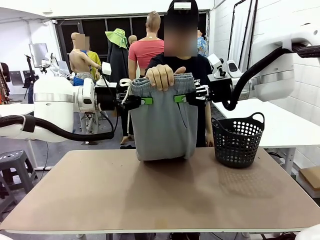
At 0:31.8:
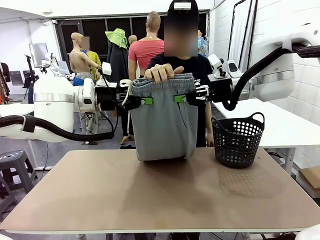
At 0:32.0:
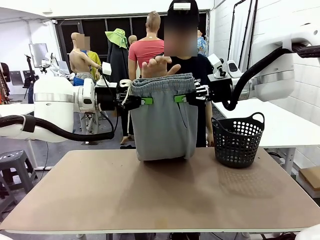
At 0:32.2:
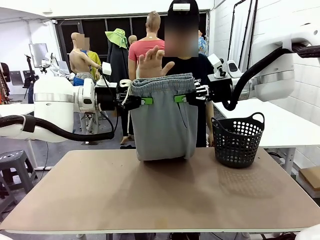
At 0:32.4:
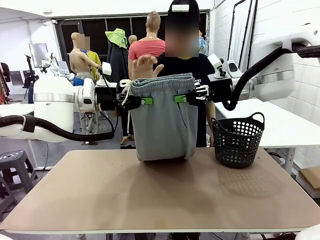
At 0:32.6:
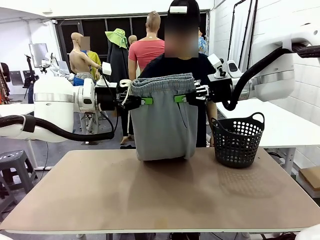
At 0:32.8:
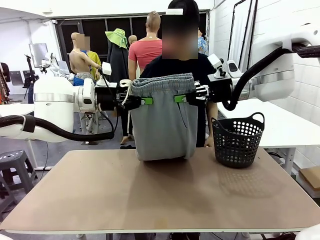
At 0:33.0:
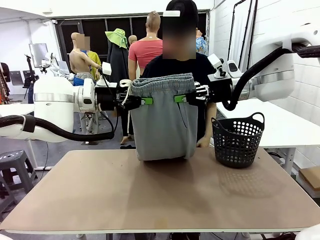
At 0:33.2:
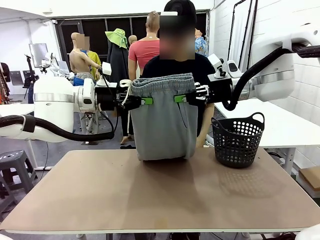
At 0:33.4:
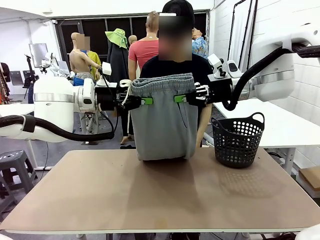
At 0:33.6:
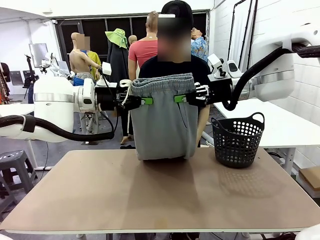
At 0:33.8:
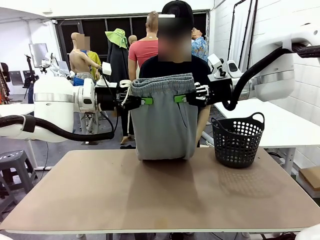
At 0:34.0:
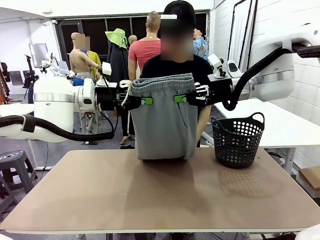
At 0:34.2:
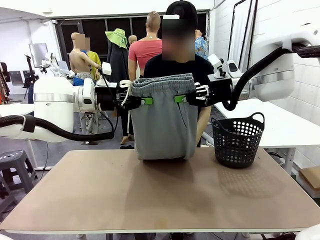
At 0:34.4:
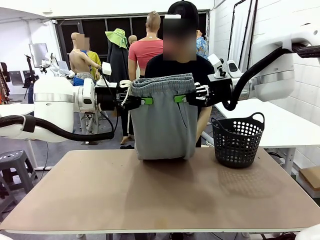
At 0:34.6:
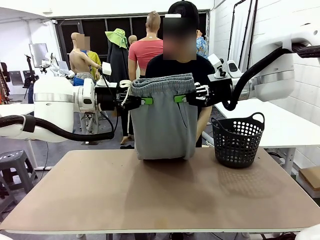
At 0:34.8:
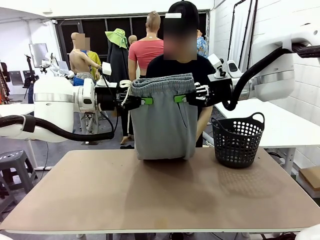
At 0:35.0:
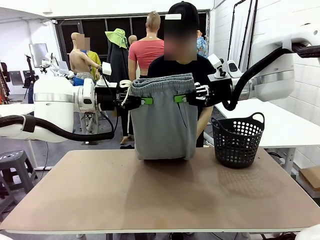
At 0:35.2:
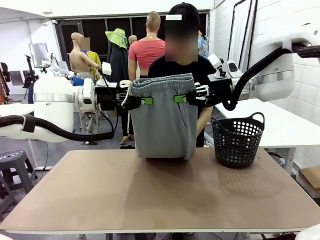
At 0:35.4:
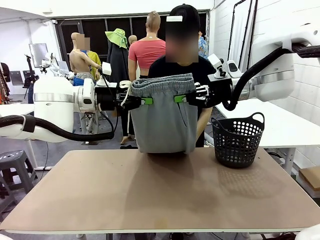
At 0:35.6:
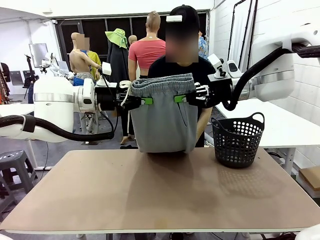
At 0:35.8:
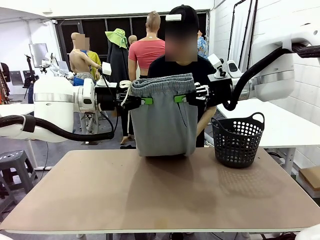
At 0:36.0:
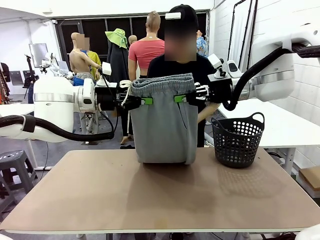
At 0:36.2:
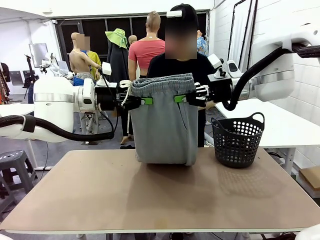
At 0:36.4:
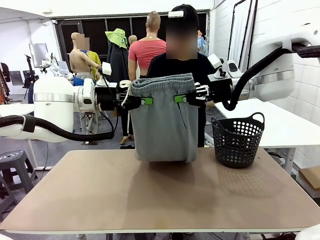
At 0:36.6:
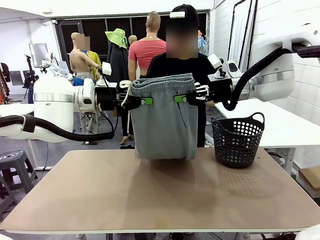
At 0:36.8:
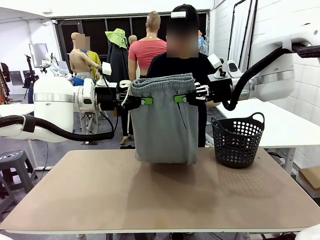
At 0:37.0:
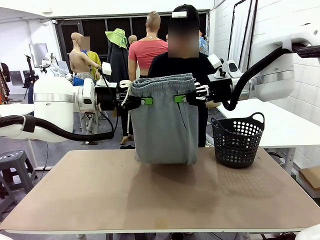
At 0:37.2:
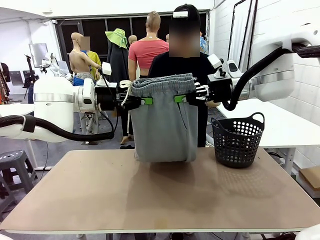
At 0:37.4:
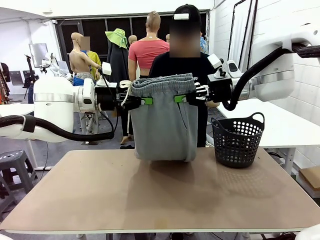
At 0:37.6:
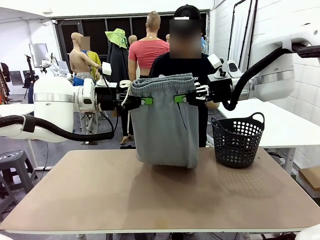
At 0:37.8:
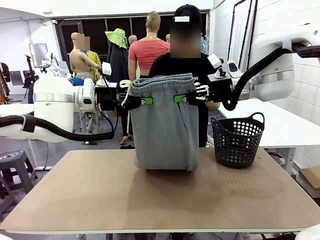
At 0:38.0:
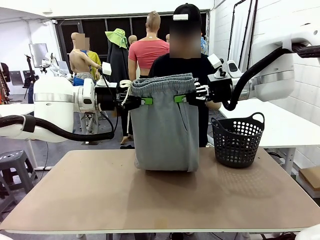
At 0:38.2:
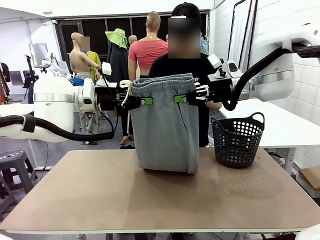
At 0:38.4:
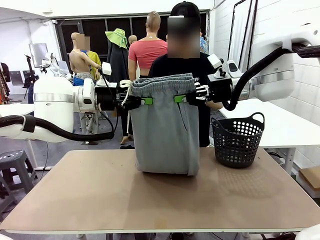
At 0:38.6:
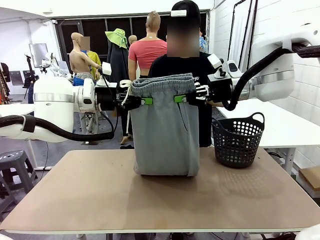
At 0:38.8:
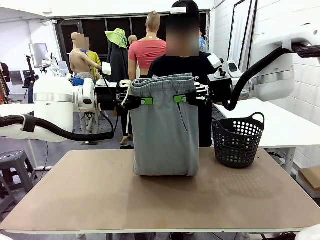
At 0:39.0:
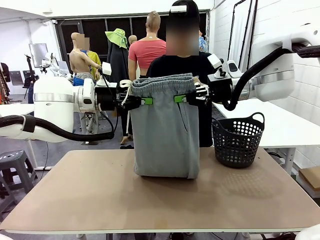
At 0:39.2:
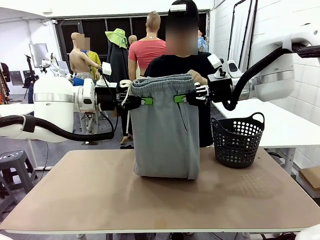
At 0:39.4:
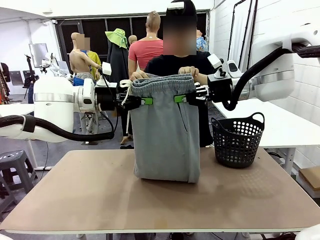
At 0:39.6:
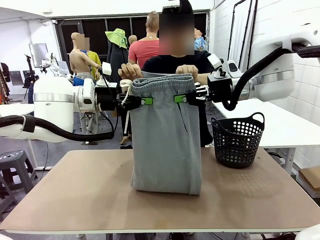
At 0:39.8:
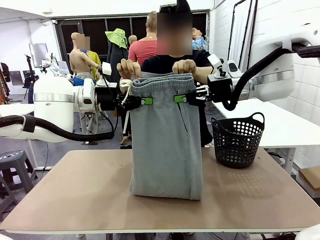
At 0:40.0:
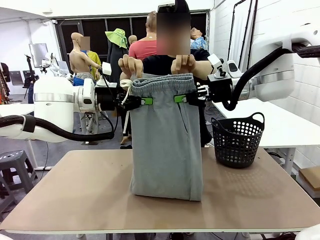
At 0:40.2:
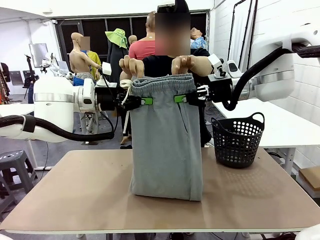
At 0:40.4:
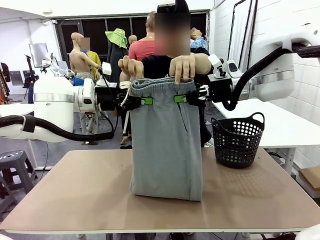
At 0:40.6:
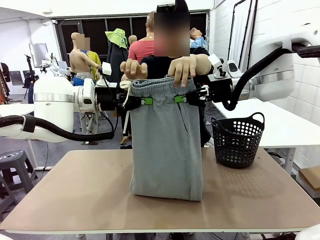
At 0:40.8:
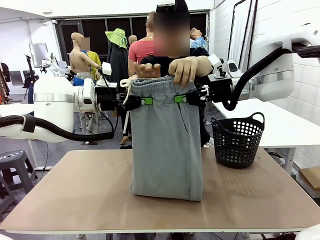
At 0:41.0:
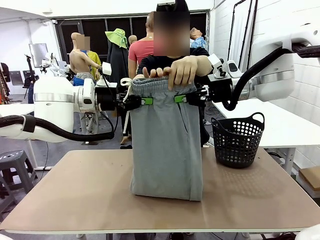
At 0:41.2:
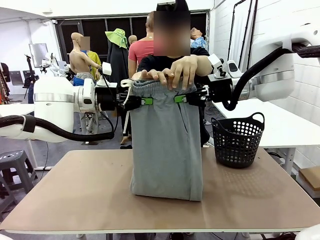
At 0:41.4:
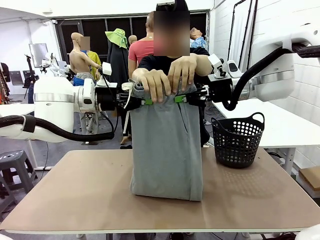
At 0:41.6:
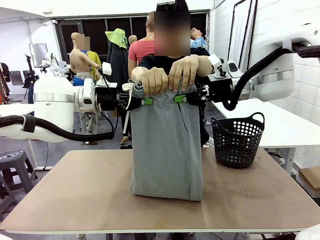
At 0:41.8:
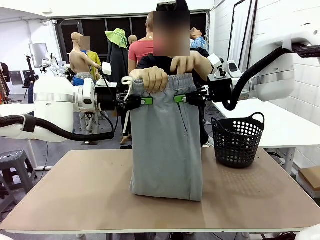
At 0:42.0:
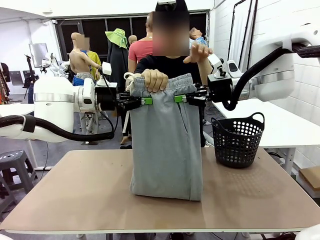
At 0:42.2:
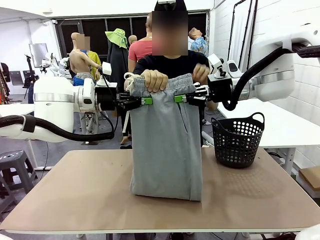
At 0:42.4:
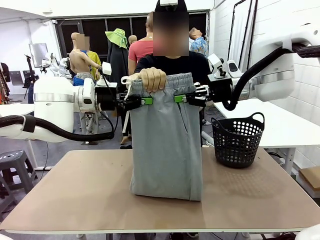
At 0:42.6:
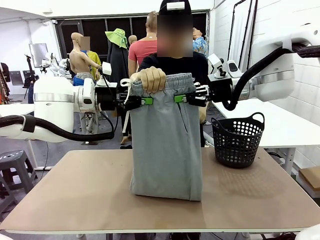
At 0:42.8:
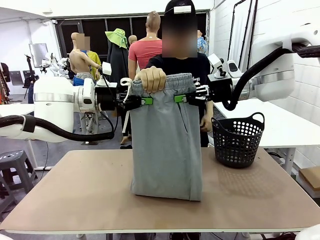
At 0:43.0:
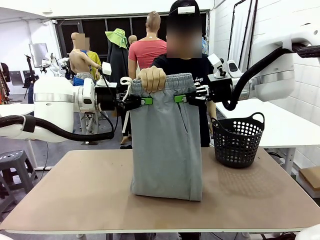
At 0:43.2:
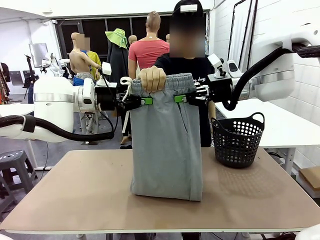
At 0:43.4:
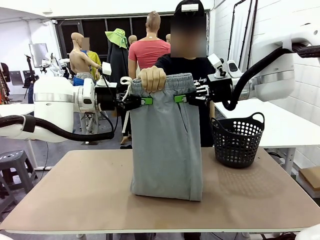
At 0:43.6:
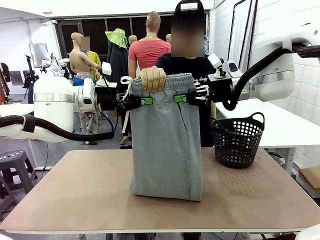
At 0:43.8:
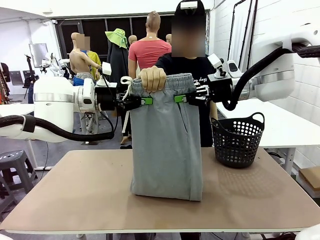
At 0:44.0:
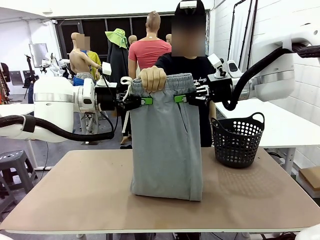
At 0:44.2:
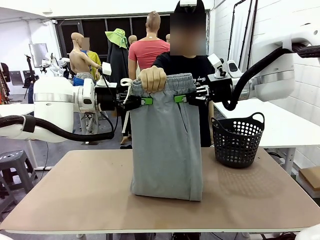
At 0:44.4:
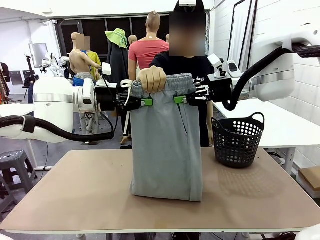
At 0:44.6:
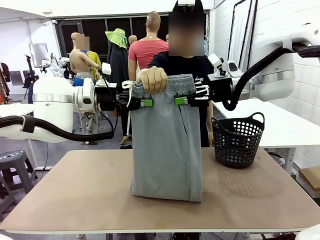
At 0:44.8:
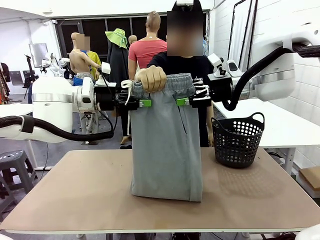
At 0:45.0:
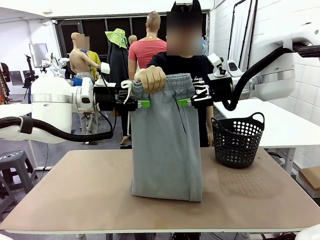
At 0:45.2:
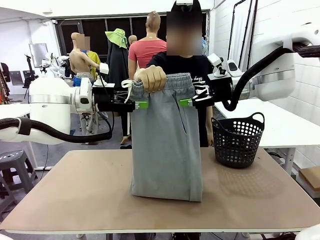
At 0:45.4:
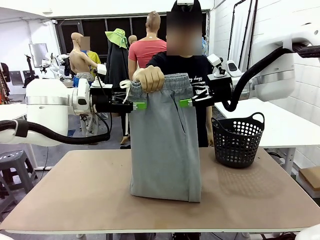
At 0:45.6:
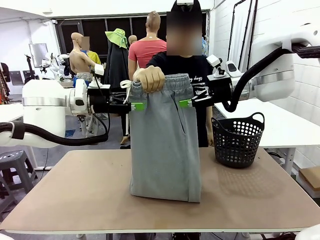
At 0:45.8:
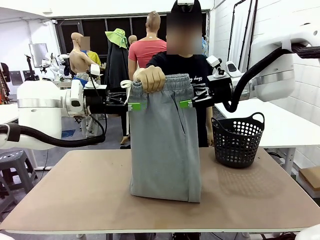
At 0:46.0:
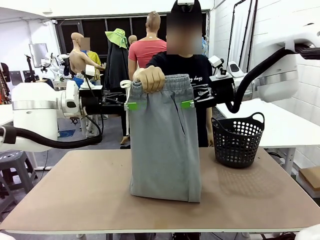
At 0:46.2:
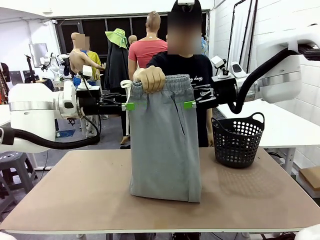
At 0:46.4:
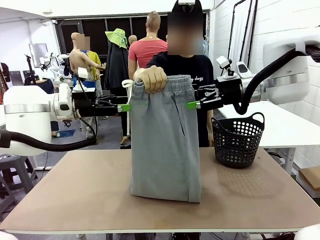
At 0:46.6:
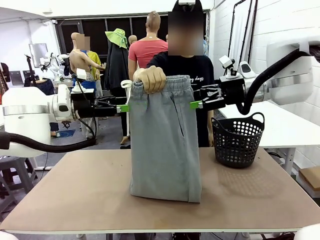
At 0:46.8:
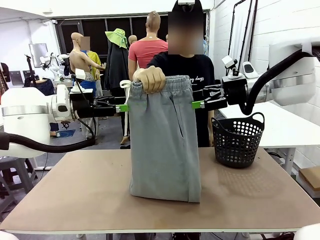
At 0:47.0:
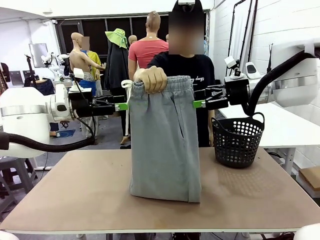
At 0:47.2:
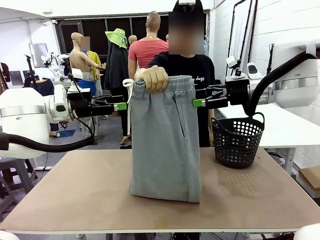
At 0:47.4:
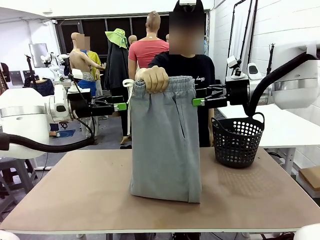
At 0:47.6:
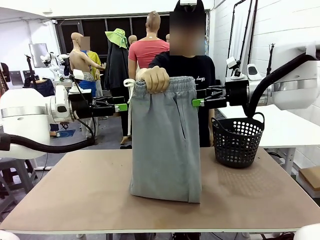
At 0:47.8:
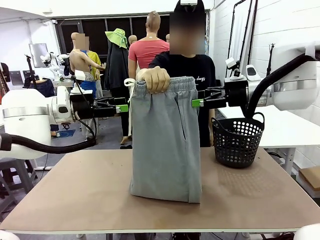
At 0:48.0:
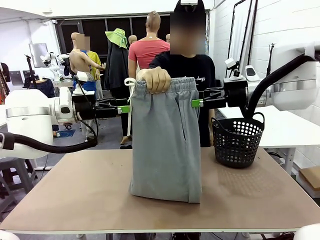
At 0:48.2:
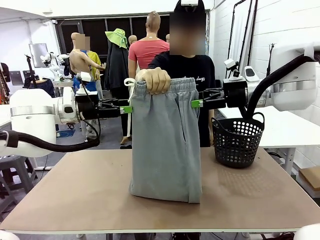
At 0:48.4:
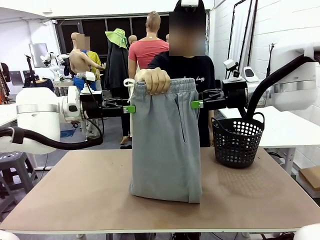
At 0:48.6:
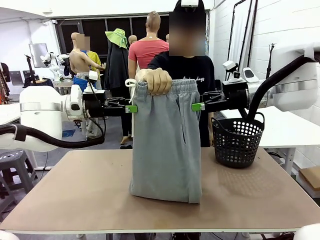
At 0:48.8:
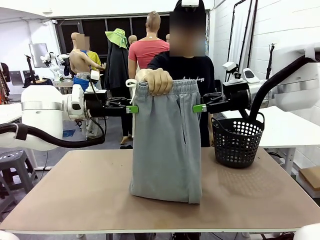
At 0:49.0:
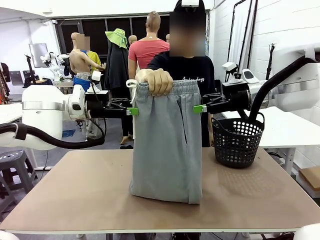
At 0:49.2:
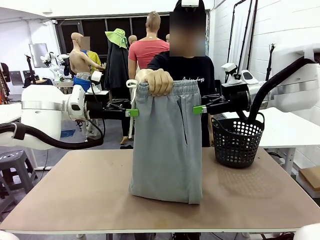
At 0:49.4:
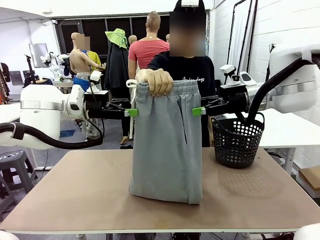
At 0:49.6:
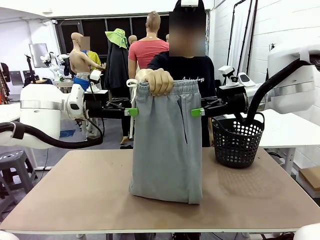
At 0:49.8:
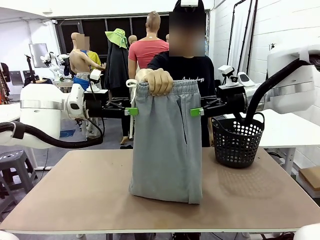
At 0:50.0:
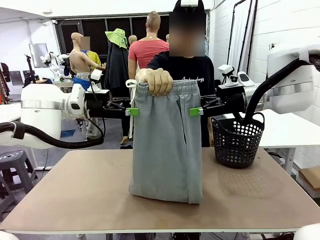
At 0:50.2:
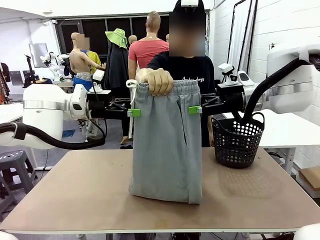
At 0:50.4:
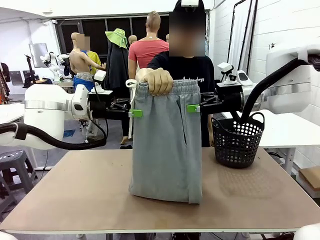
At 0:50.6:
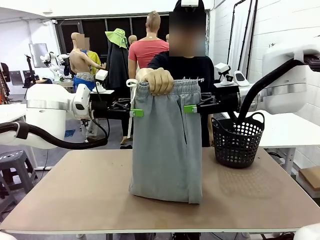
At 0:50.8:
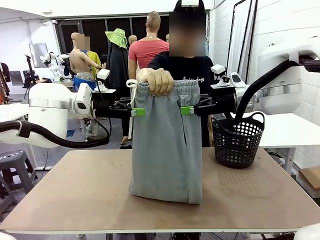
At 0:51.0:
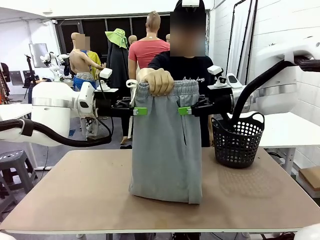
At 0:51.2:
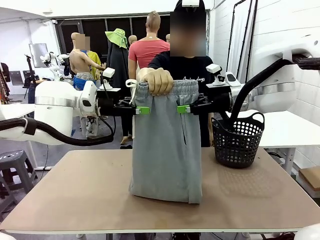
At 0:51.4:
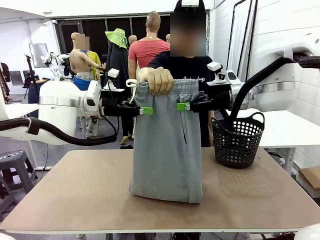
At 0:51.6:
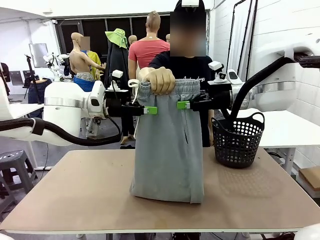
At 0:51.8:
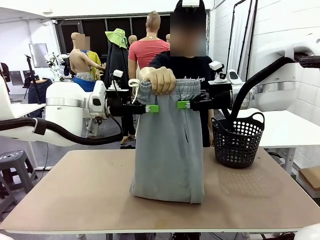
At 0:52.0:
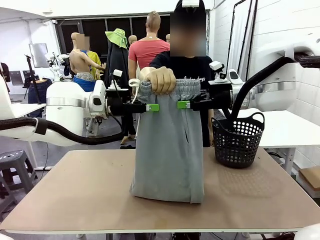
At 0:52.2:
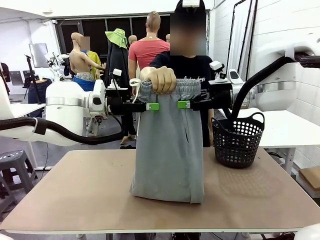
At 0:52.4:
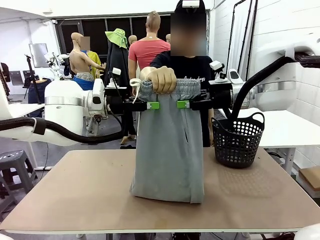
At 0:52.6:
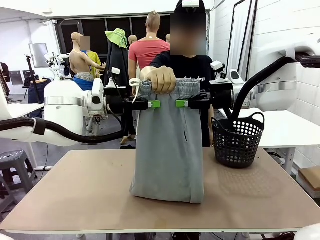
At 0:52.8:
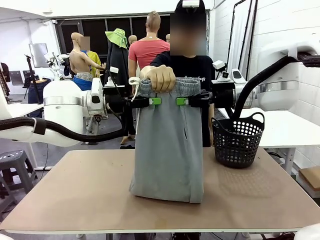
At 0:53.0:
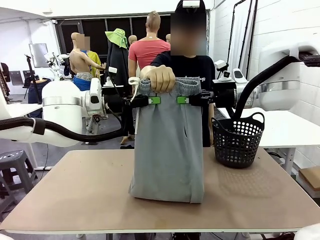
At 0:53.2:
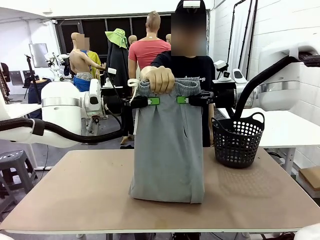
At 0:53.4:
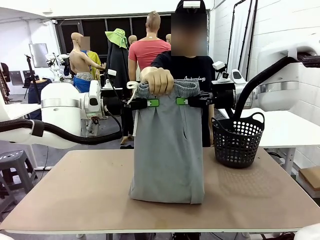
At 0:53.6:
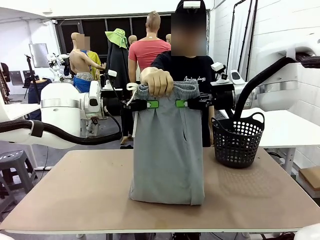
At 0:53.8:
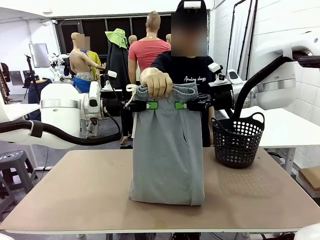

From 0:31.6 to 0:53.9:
Task: Fold the training pants.
Robot: Release the ends of the Training pants and then grab the overlapped ends.
Person: Grasp the end opposite the point the robot is holding, fold the pants in half, and then grasp the overlapping top end of the folded pants. Release the pants you were holding.
